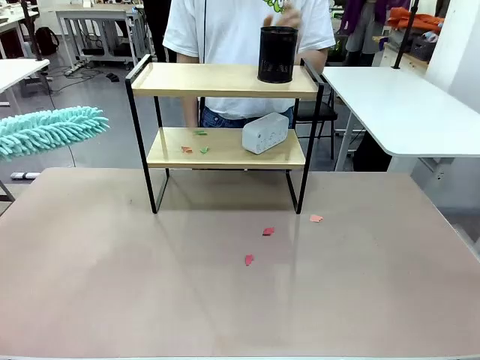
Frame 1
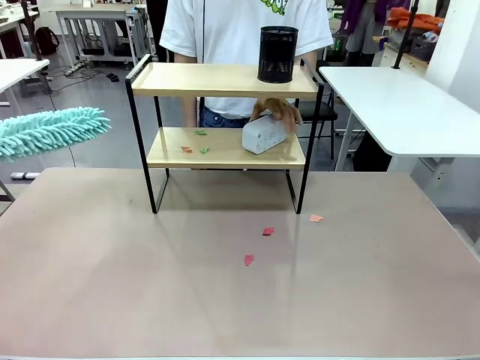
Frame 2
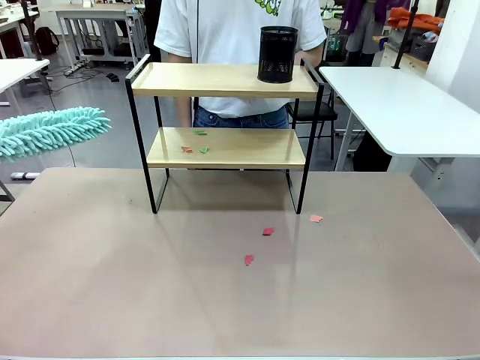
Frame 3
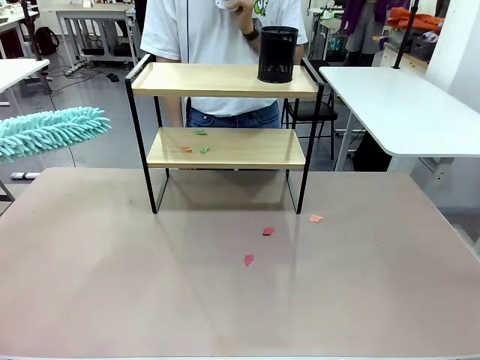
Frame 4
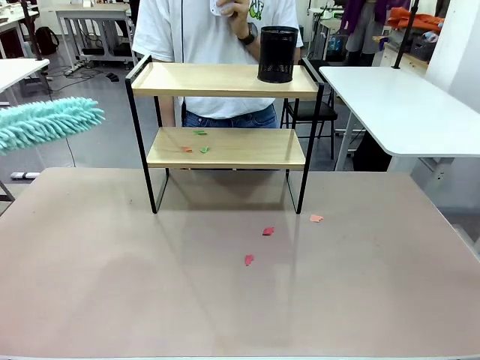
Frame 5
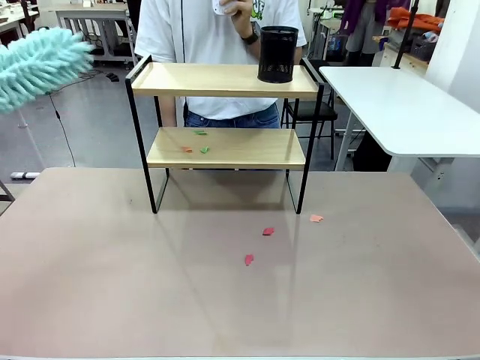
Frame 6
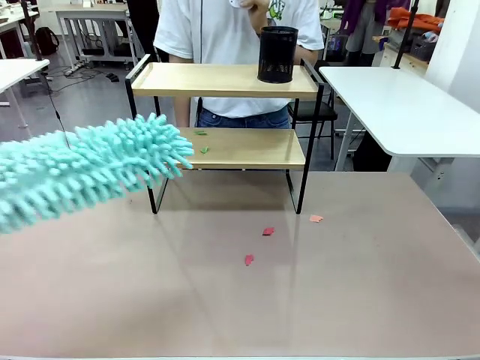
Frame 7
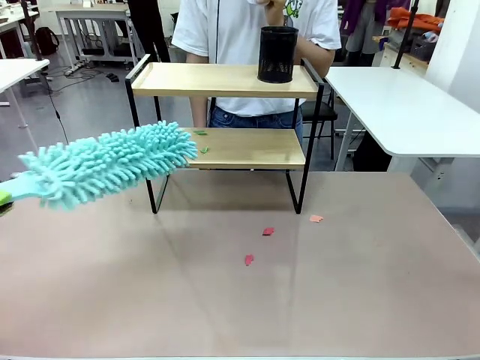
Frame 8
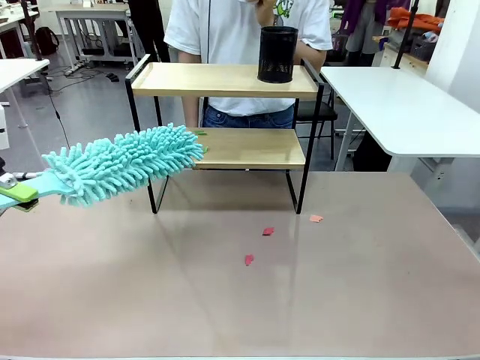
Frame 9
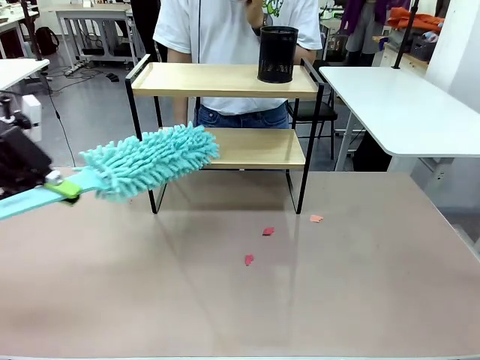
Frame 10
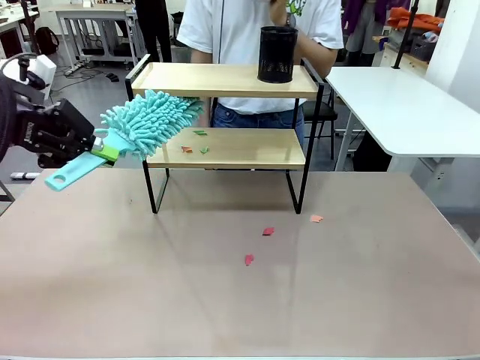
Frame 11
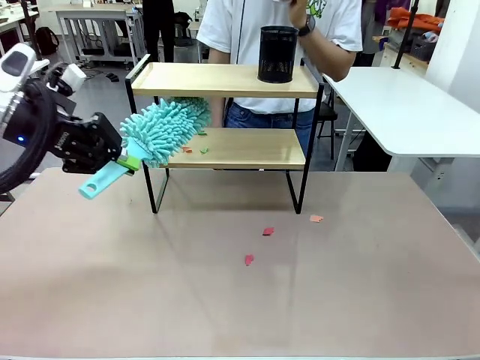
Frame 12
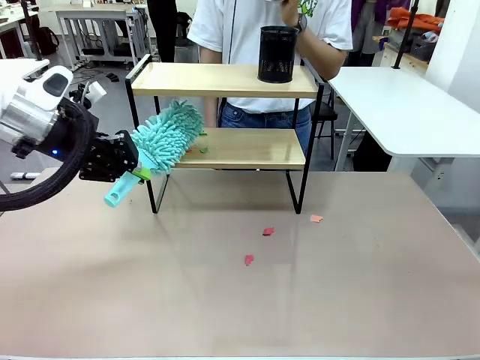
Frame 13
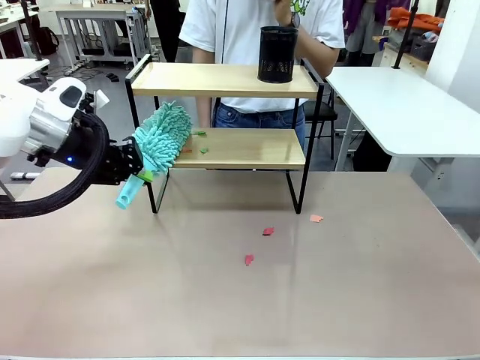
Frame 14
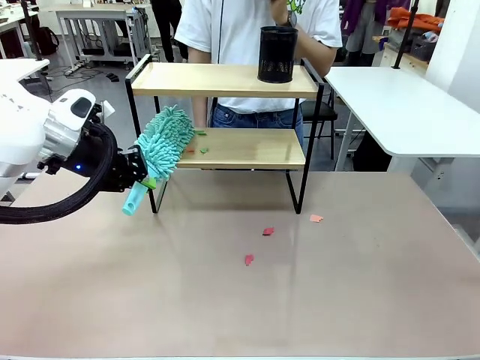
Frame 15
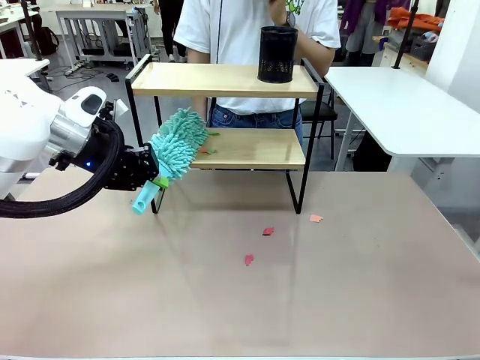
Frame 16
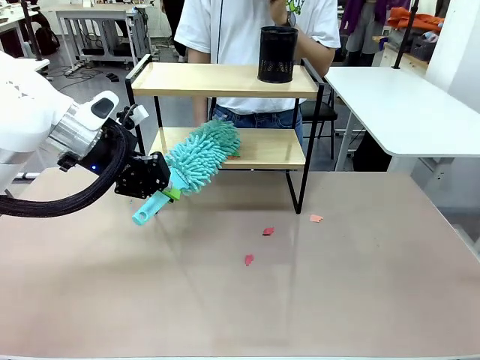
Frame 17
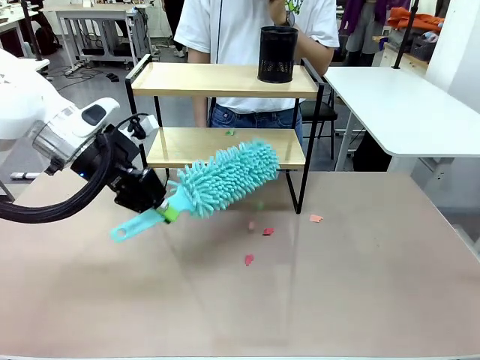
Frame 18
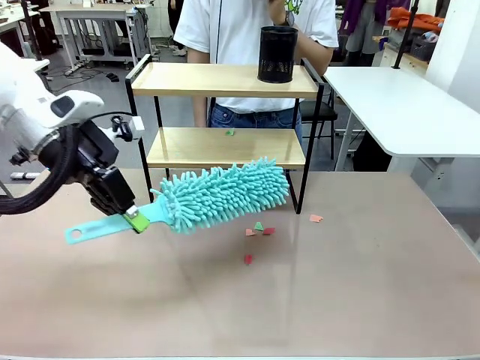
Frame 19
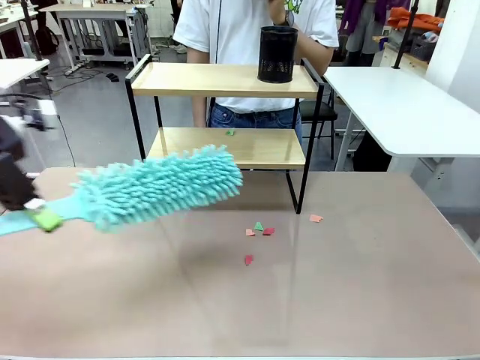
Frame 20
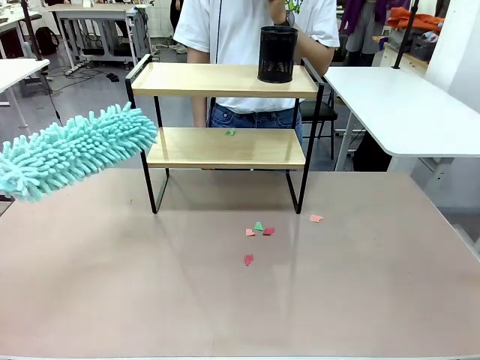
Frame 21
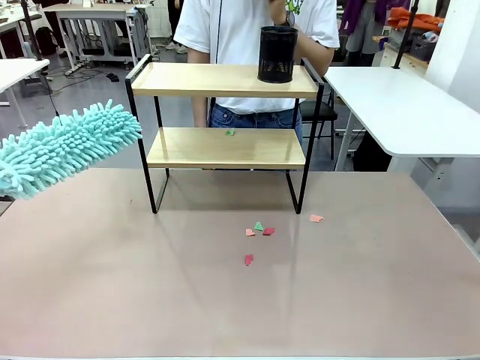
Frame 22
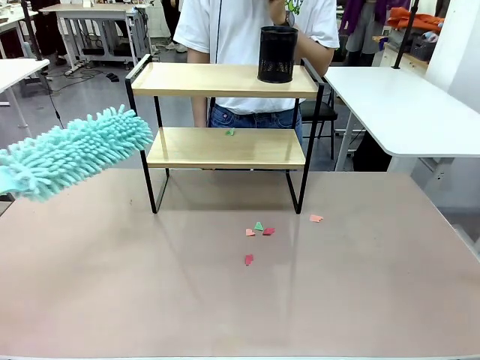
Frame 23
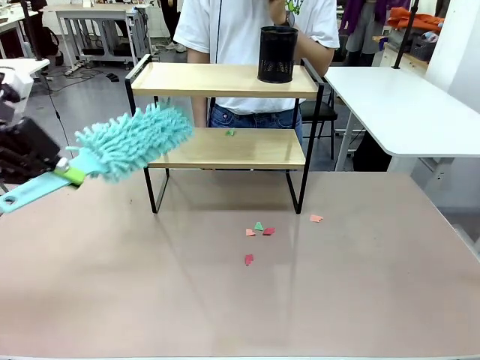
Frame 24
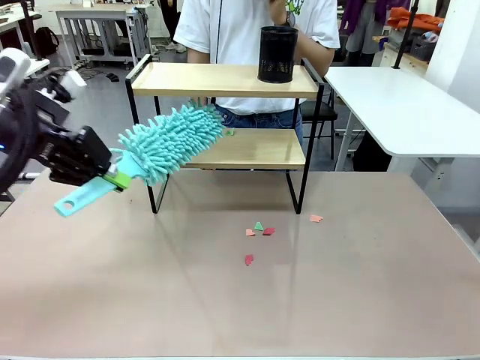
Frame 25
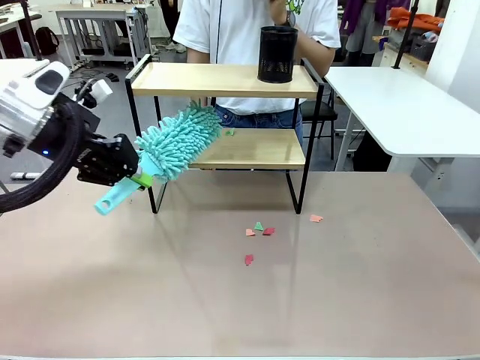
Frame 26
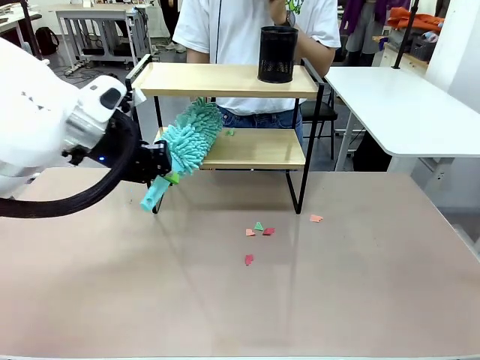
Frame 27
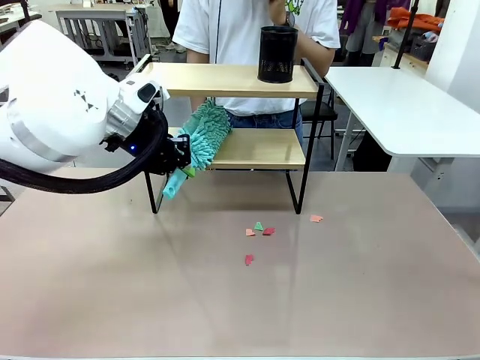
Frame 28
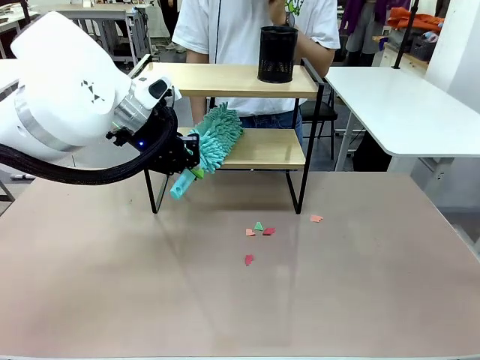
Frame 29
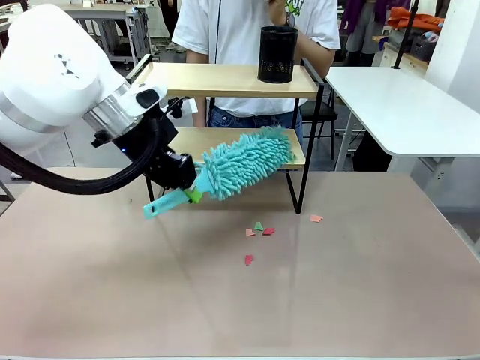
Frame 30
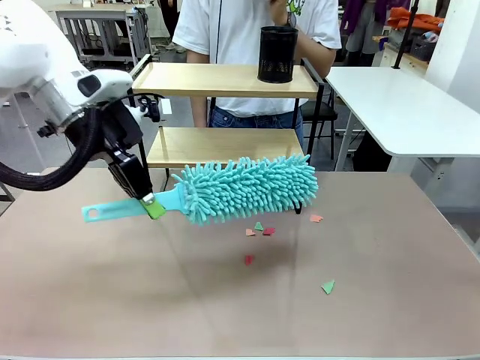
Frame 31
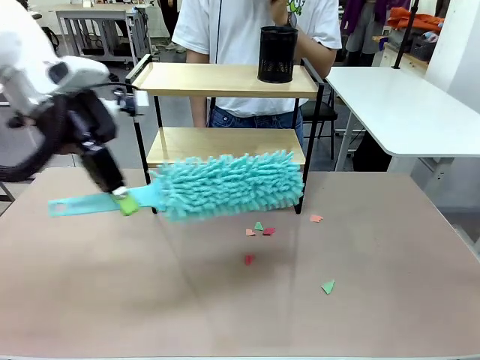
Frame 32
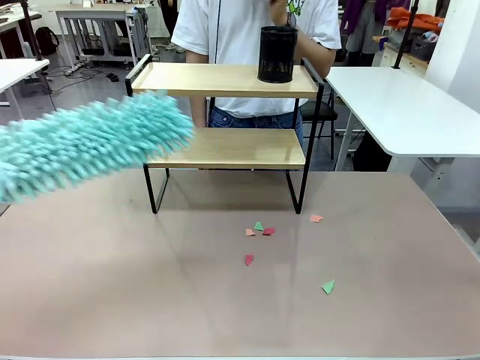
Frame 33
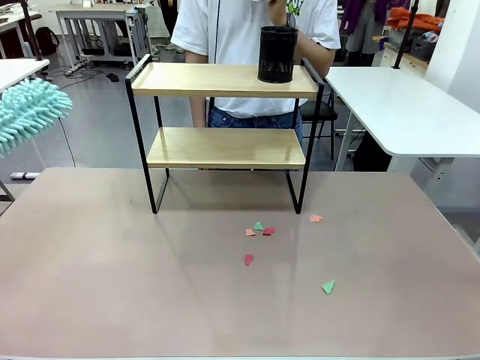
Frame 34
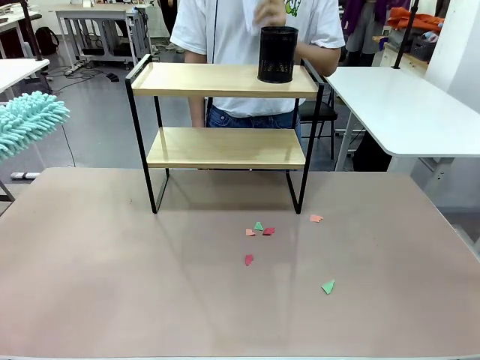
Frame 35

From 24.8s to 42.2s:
Task: Clean the shelf.
Robot: Clean the remaining tier of the Shelf with the Duster once objects are removed.
Person: Receive the Duster from the robot.

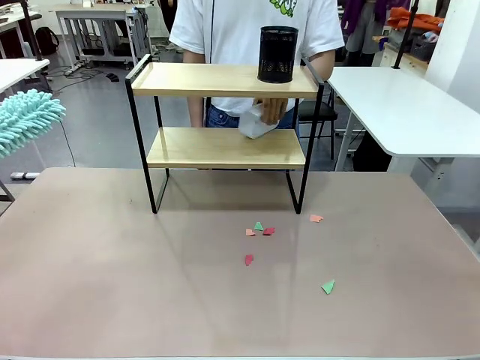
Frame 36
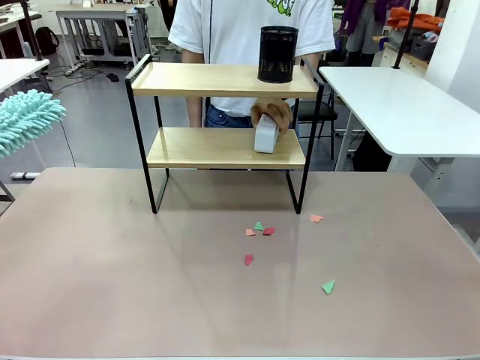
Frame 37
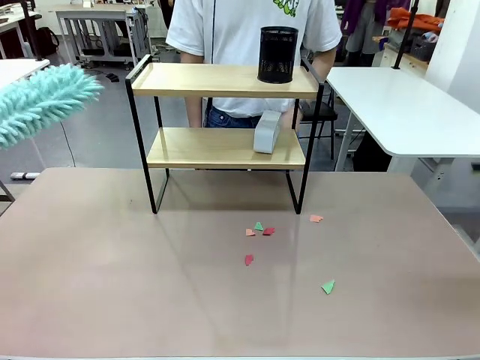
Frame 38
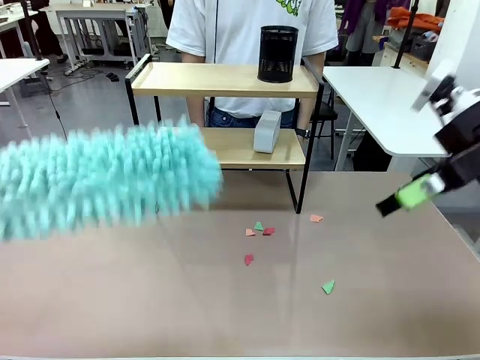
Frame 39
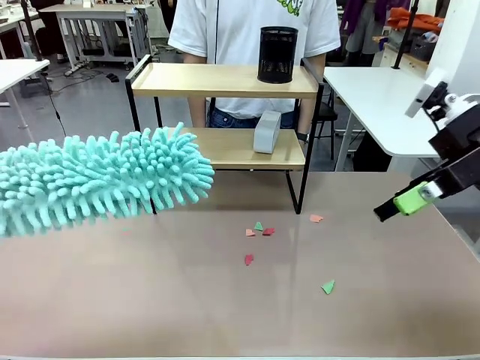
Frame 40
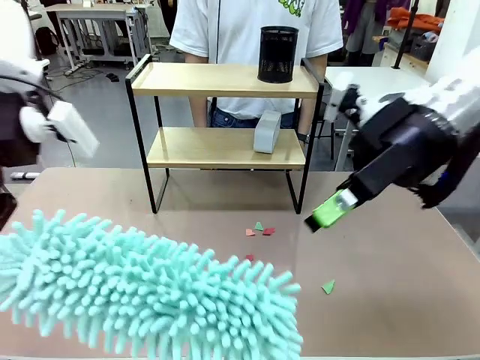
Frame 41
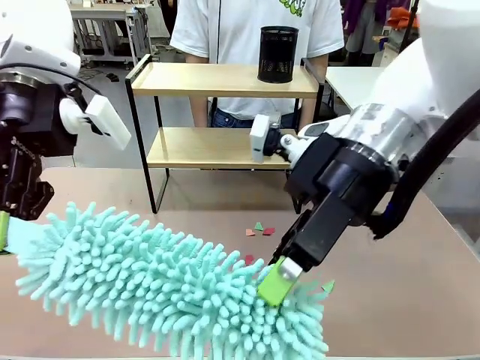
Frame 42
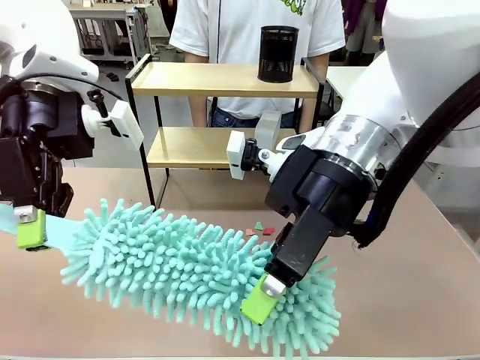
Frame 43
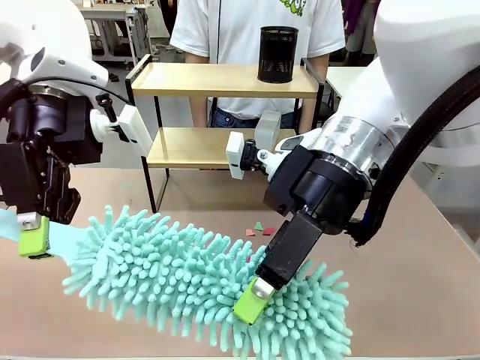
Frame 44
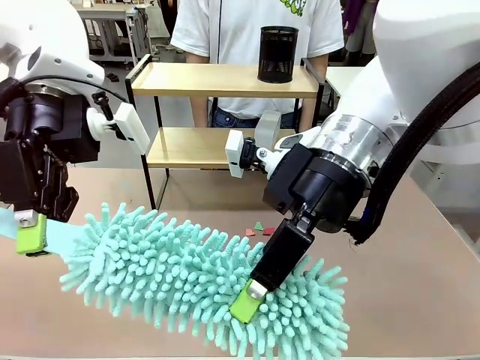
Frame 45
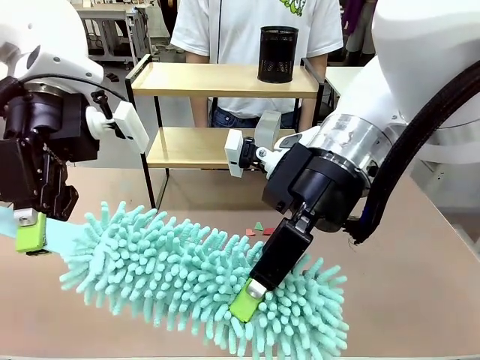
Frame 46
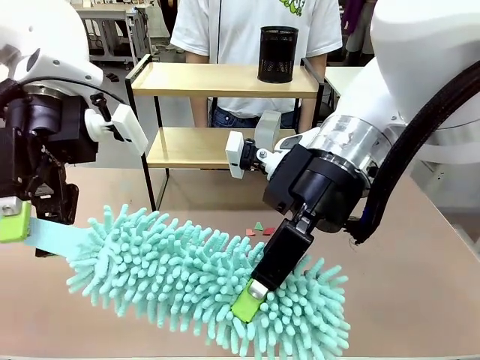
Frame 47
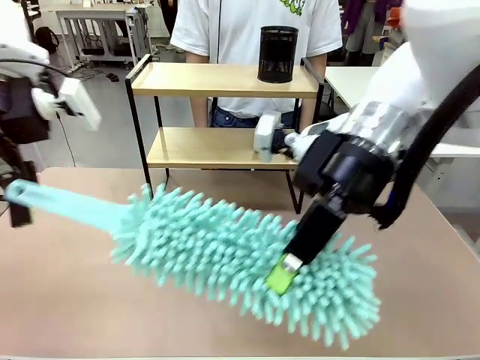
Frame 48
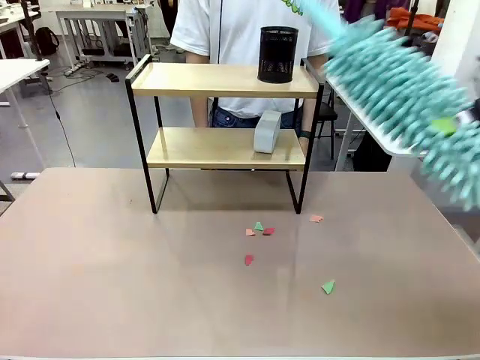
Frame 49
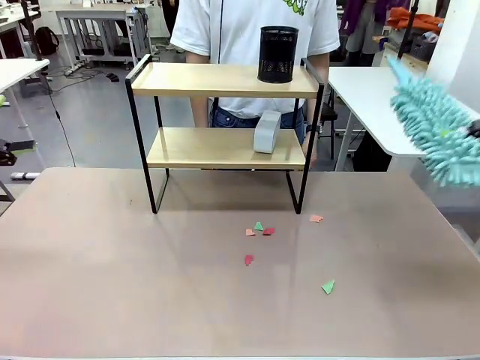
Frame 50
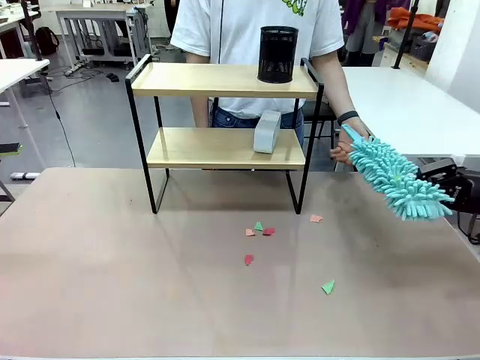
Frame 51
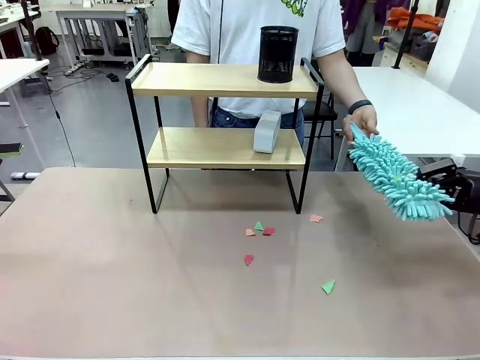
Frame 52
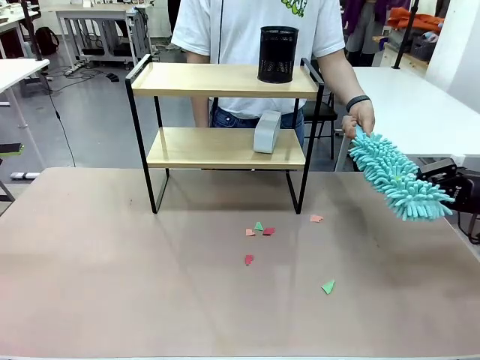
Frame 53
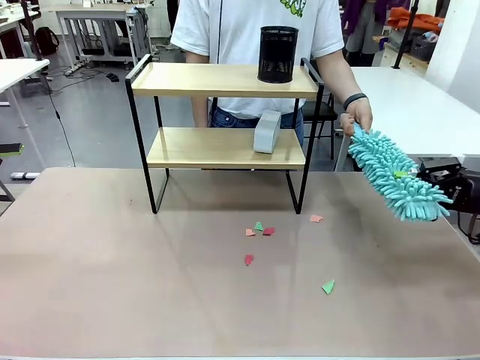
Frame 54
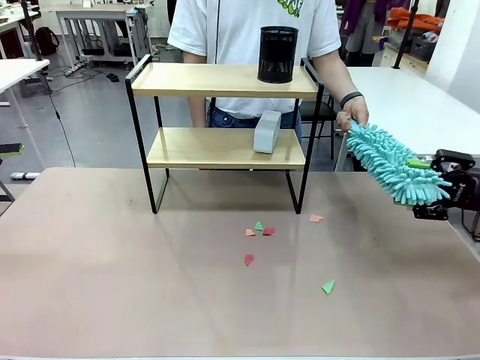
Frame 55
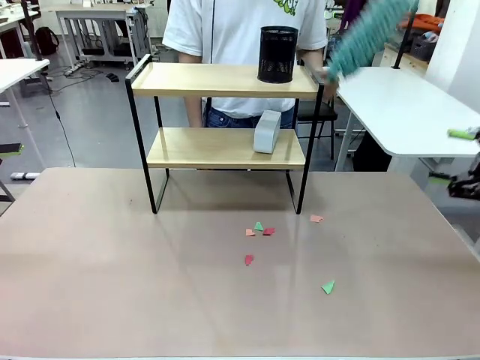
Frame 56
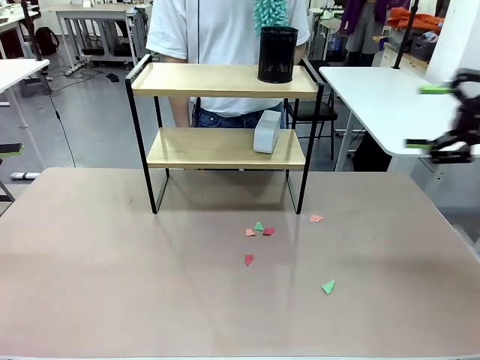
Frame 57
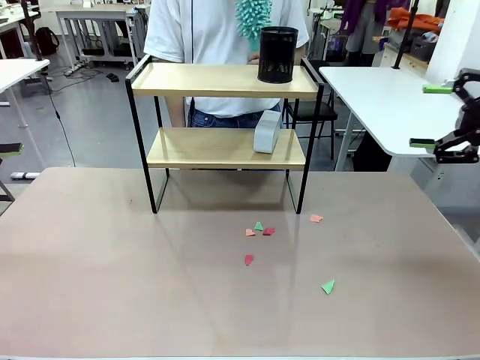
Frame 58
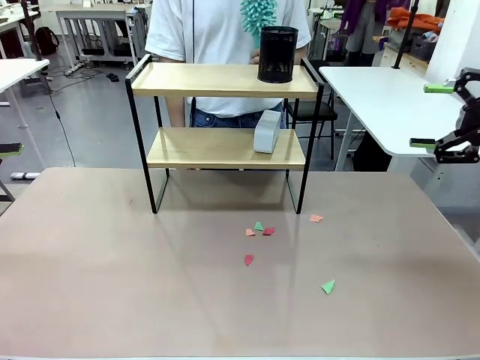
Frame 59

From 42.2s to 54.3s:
Robot: Hand the Duster back to the human.
